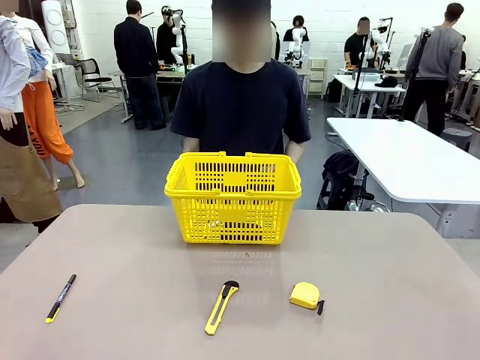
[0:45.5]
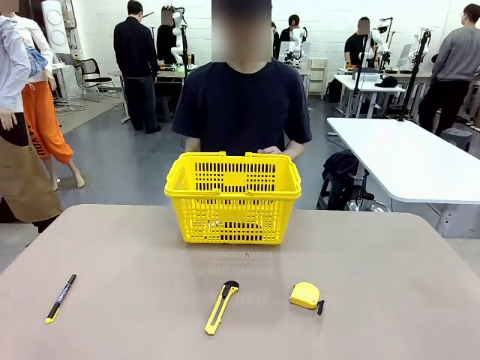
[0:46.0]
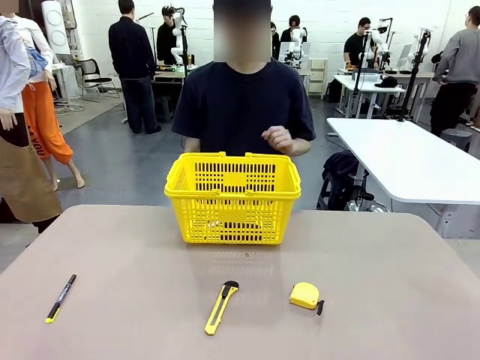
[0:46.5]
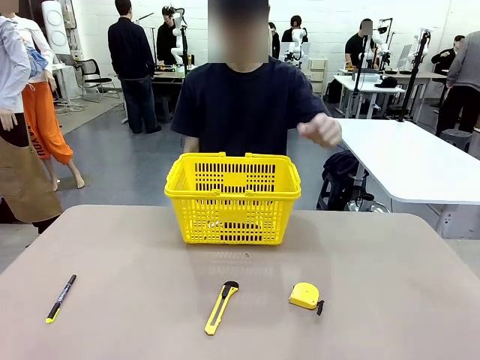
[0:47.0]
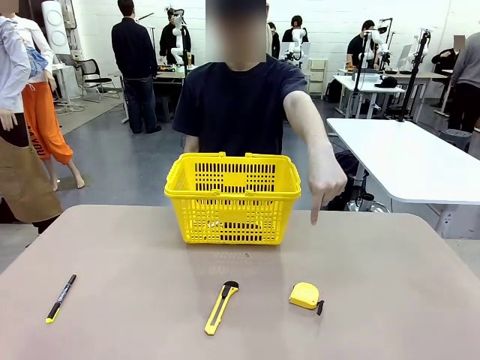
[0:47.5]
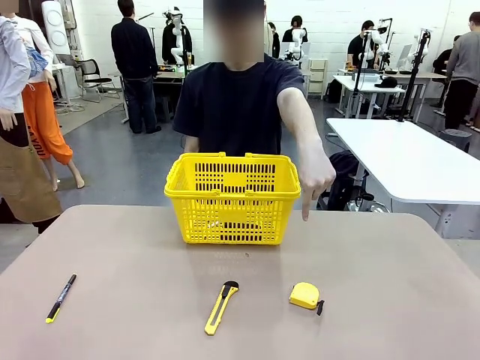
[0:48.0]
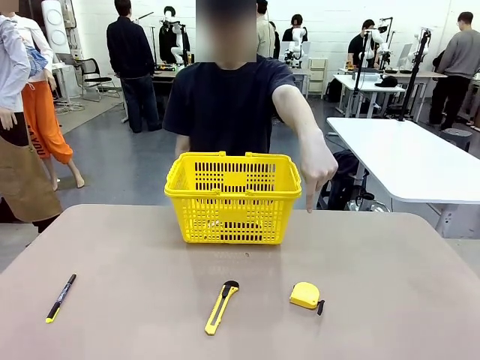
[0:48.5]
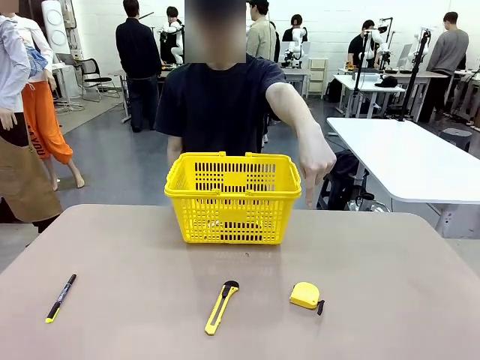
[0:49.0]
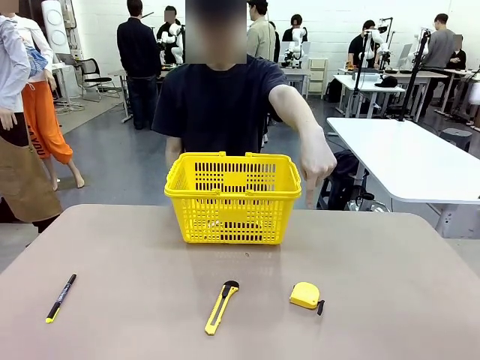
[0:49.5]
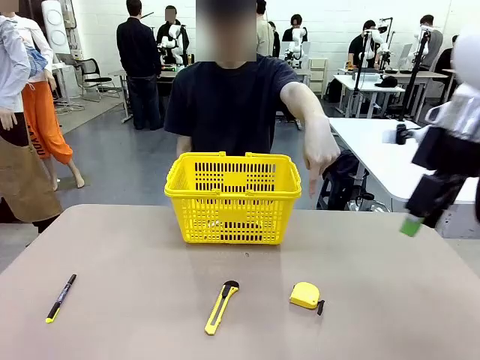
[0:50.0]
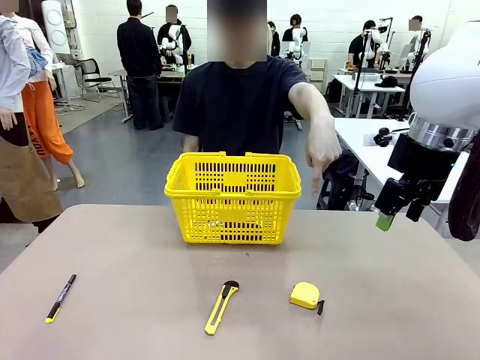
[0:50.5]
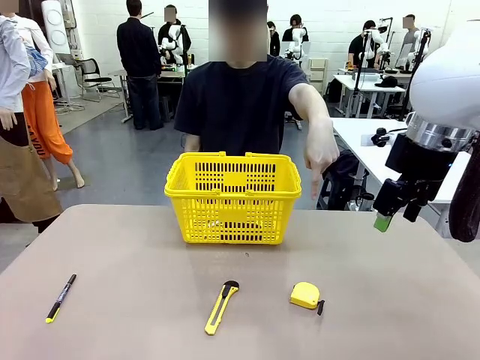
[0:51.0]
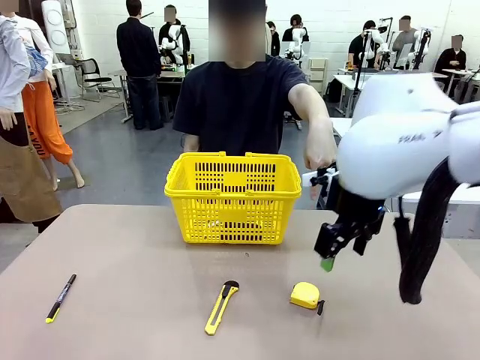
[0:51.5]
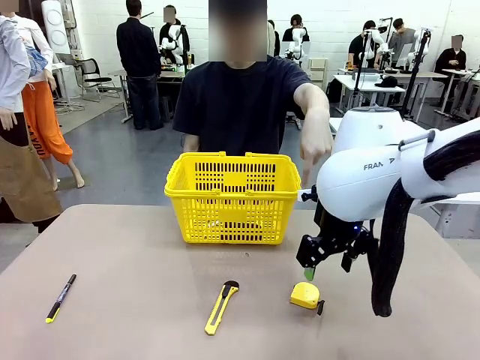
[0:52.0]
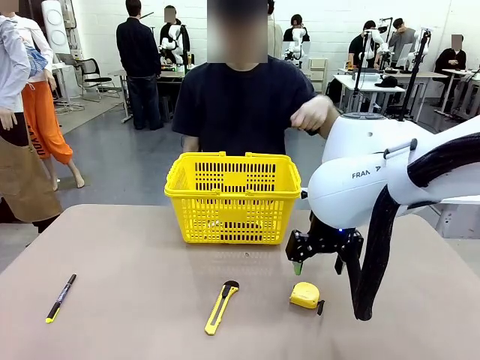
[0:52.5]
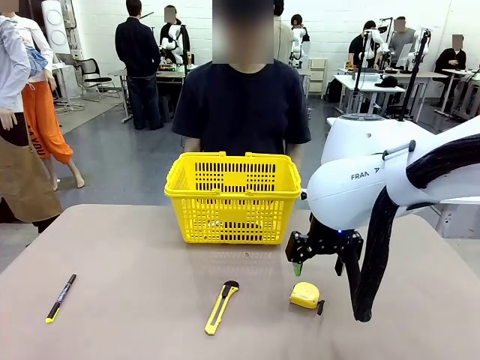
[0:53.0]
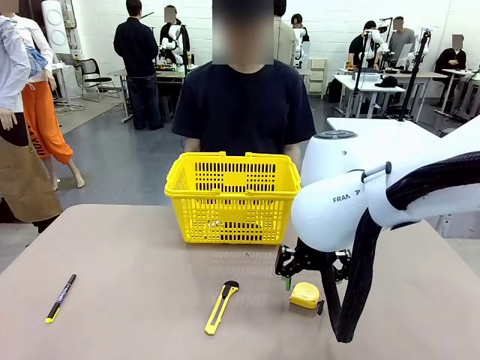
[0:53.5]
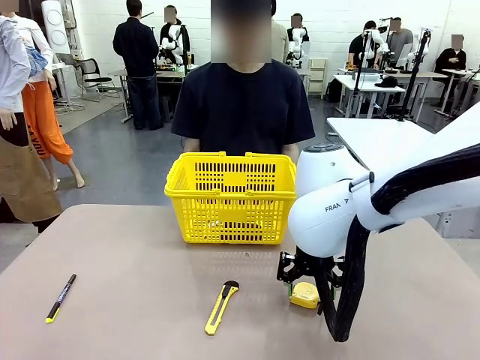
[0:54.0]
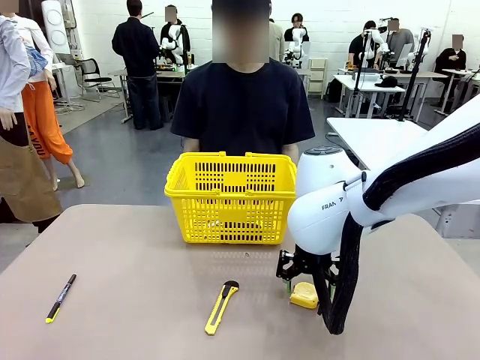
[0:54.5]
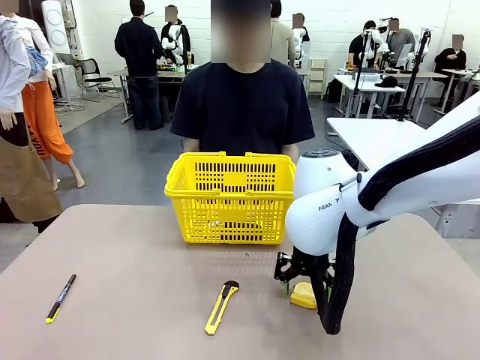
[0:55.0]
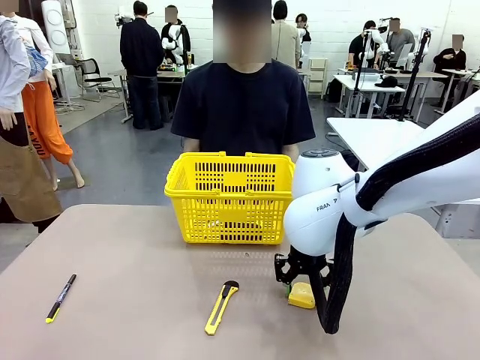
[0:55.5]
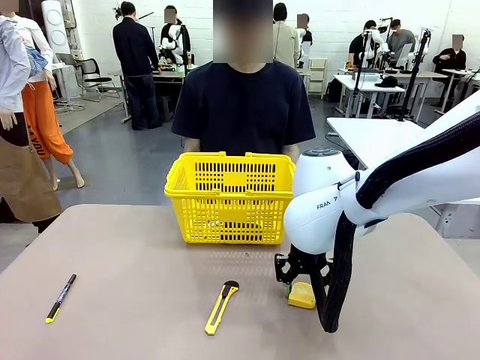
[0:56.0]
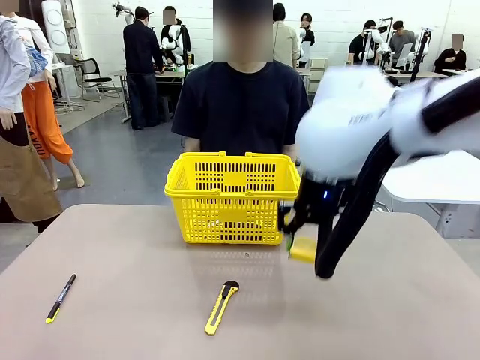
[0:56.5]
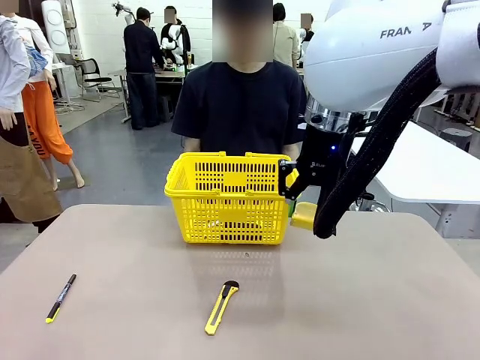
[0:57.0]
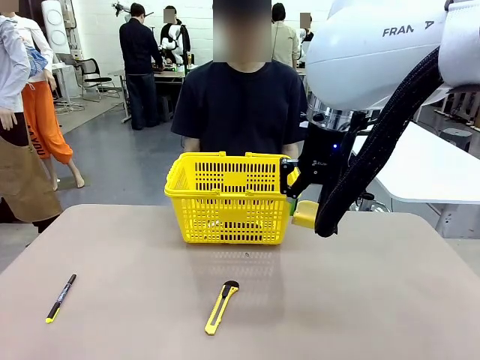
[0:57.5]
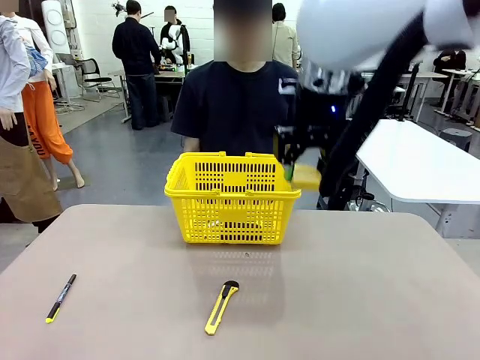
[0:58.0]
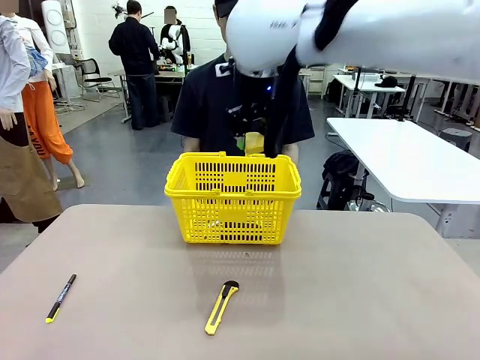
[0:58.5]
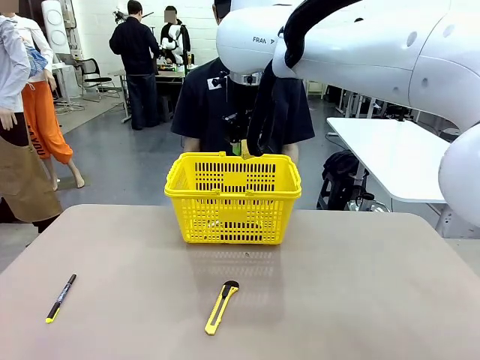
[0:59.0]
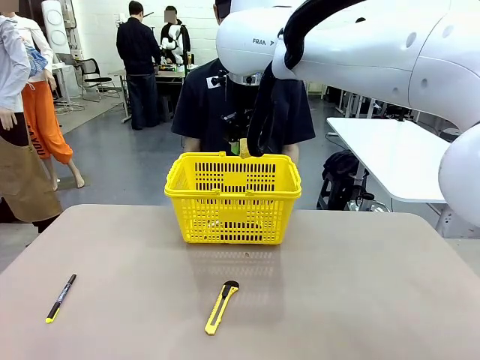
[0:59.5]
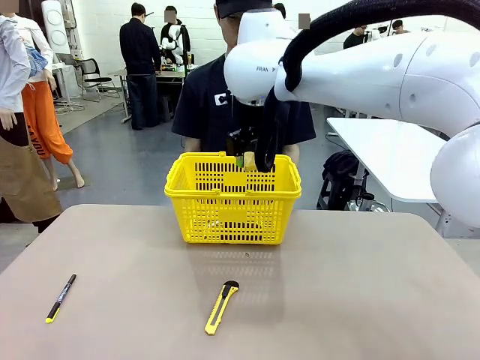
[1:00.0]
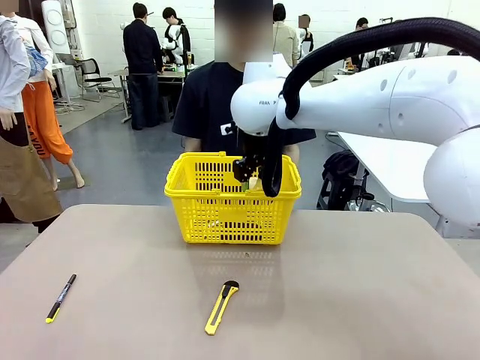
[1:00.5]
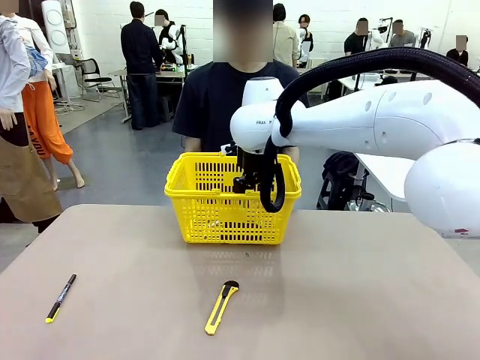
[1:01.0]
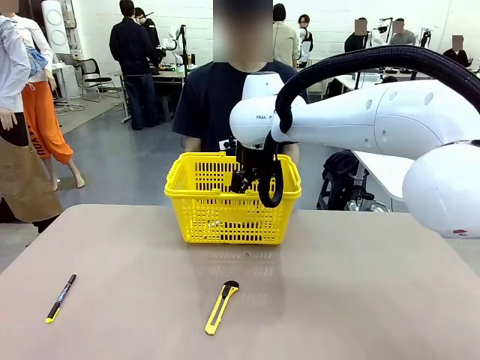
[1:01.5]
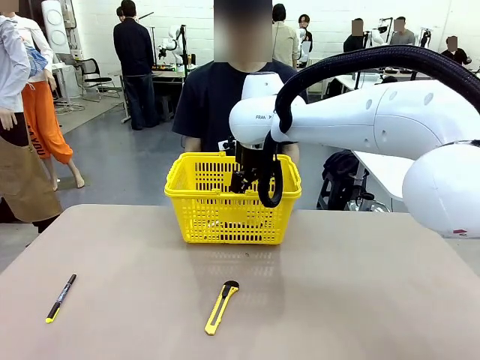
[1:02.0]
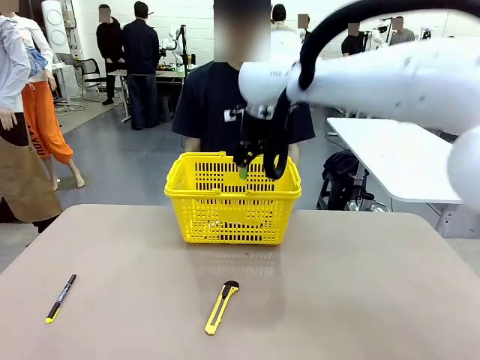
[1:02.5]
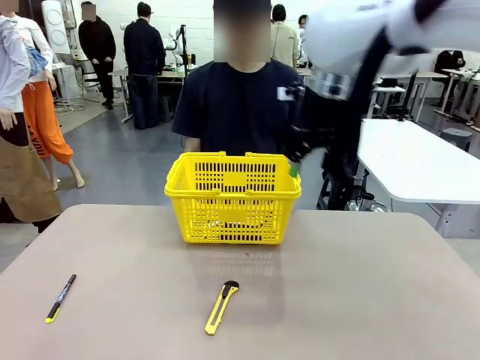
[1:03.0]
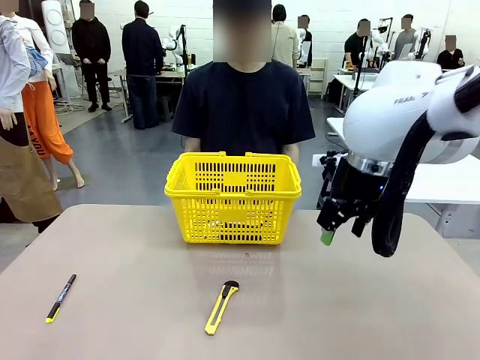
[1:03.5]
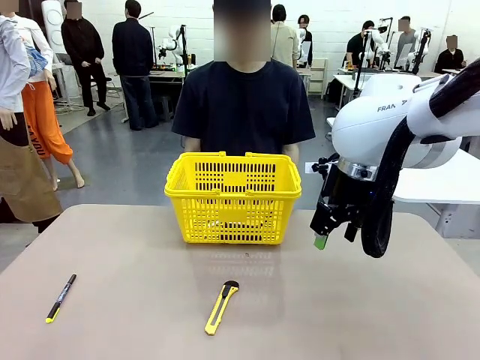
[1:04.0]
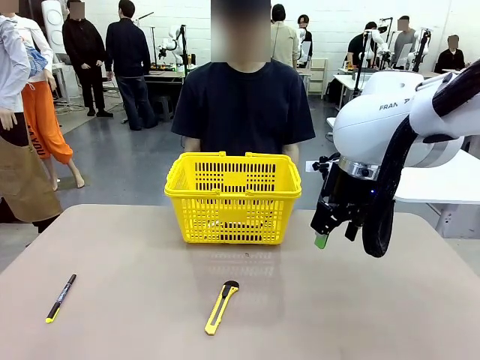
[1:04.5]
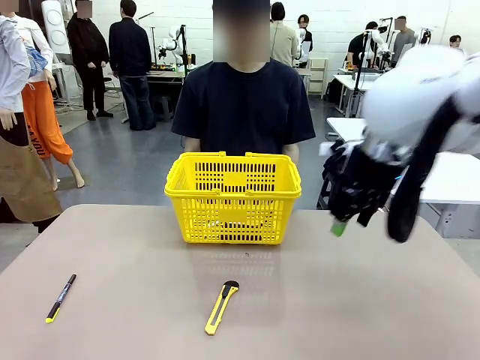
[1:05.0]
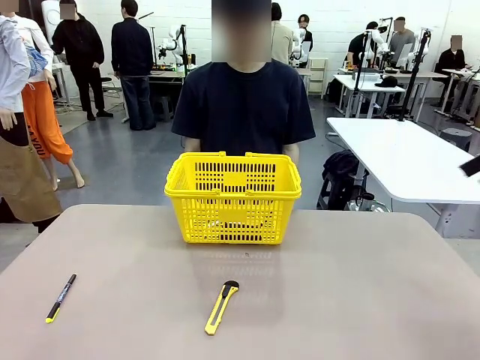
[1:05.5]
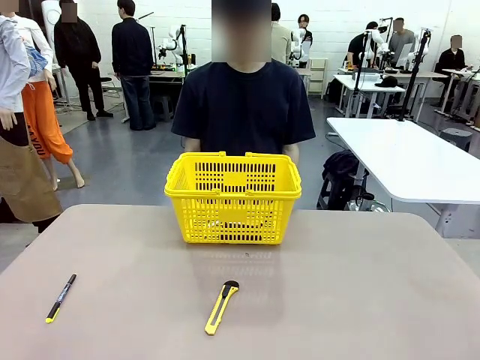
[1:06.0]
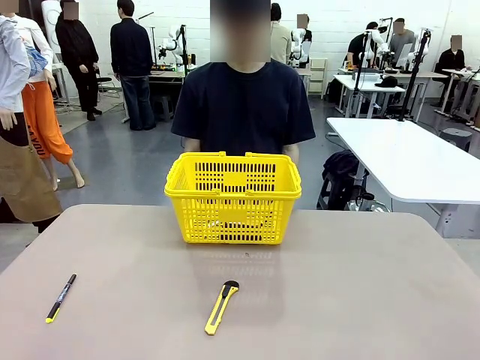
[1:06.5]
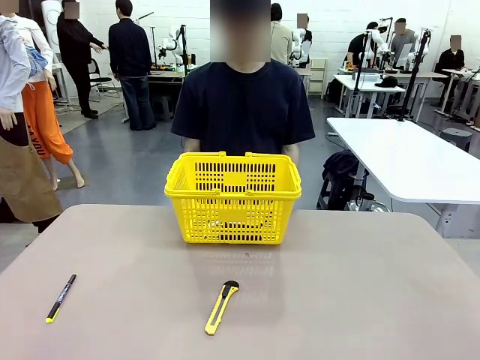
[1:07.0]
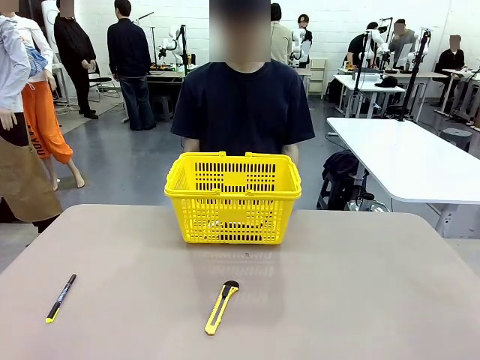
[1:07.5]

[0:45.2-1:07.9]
Task: Place the items the person wants into the basket.
Robot: Pick up the item the person points to and place it in the Market Basket.
